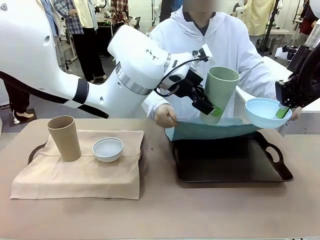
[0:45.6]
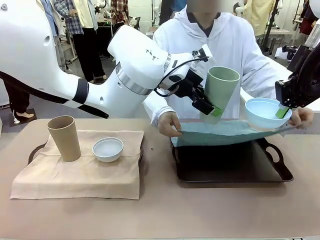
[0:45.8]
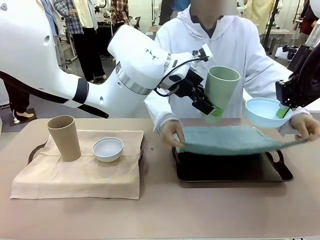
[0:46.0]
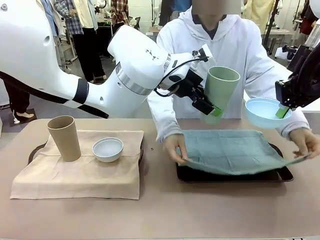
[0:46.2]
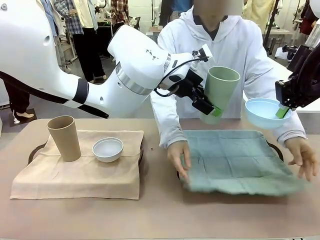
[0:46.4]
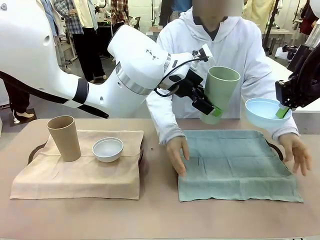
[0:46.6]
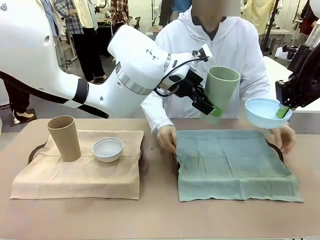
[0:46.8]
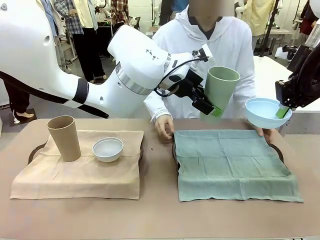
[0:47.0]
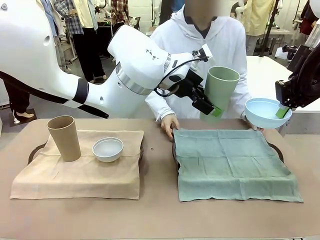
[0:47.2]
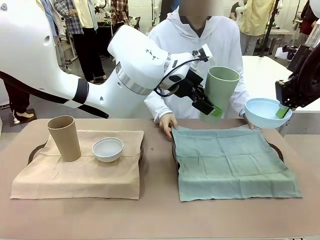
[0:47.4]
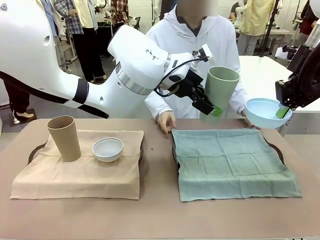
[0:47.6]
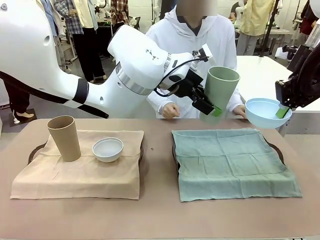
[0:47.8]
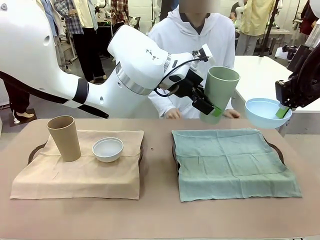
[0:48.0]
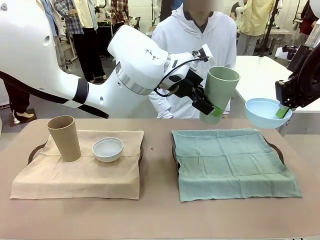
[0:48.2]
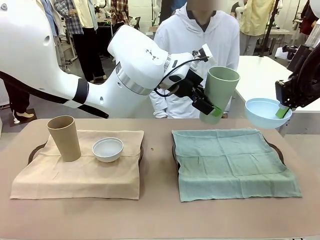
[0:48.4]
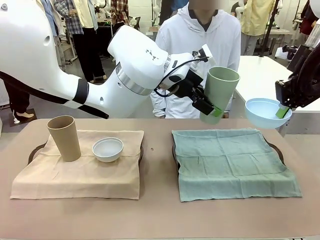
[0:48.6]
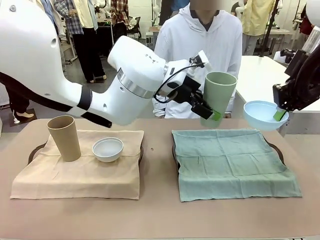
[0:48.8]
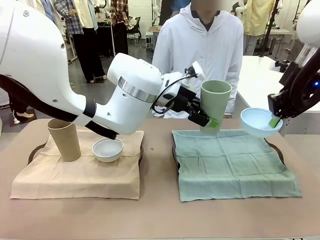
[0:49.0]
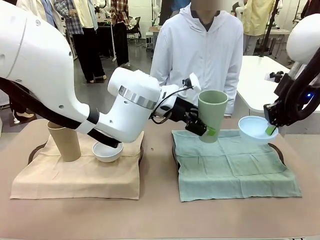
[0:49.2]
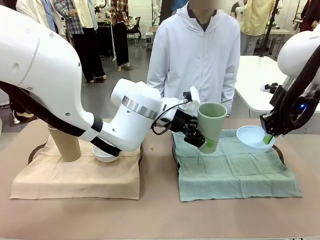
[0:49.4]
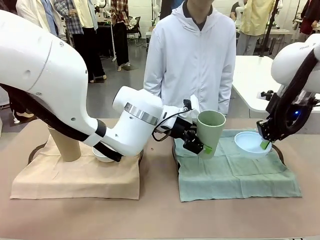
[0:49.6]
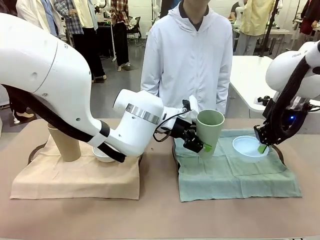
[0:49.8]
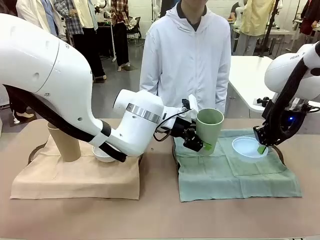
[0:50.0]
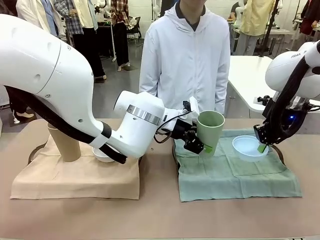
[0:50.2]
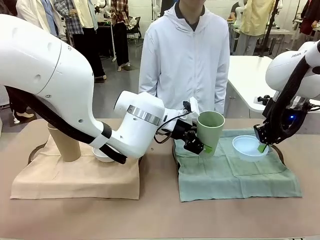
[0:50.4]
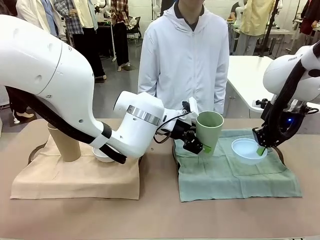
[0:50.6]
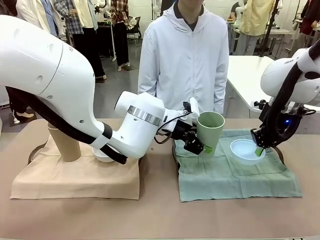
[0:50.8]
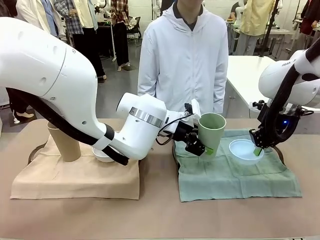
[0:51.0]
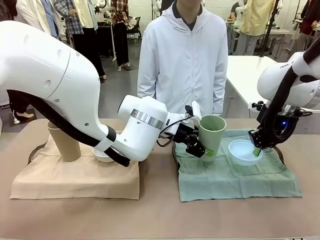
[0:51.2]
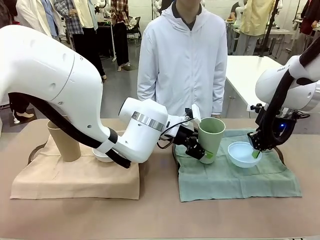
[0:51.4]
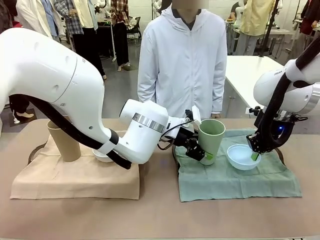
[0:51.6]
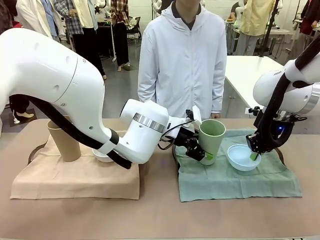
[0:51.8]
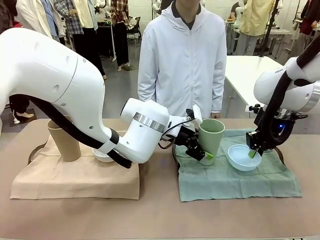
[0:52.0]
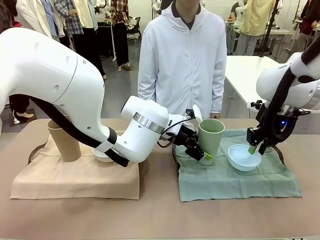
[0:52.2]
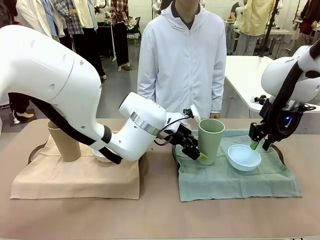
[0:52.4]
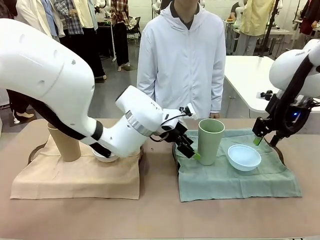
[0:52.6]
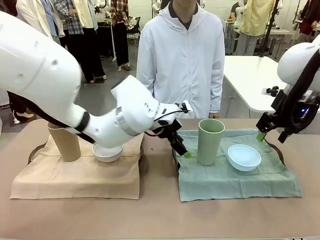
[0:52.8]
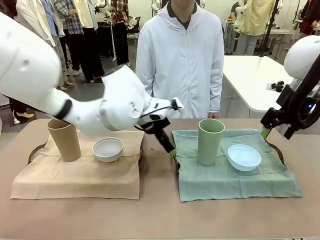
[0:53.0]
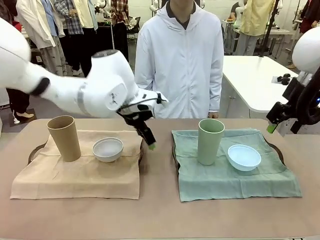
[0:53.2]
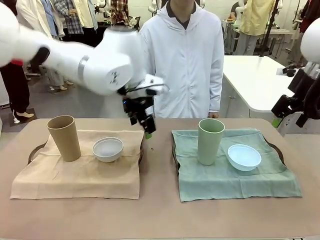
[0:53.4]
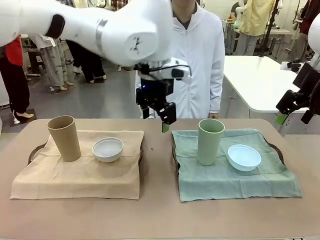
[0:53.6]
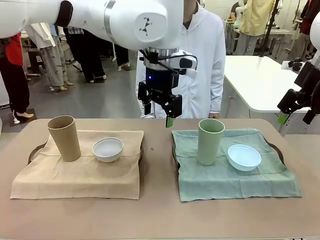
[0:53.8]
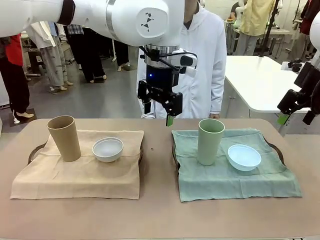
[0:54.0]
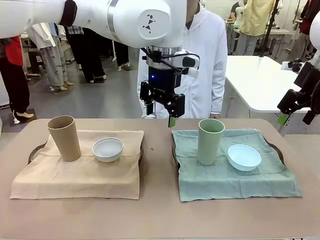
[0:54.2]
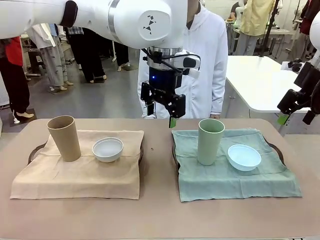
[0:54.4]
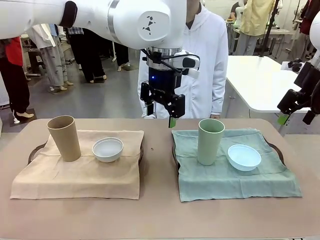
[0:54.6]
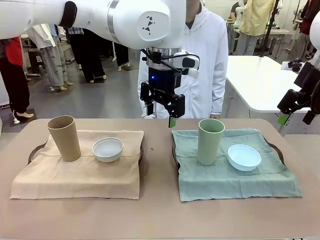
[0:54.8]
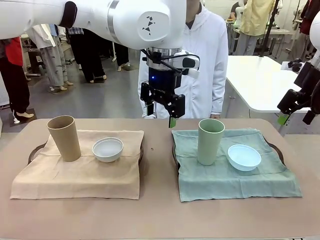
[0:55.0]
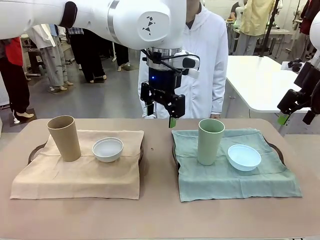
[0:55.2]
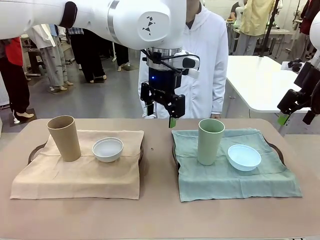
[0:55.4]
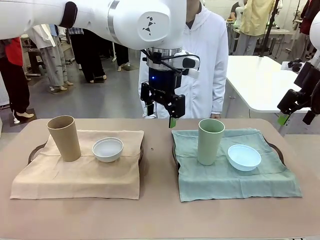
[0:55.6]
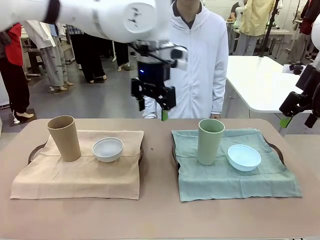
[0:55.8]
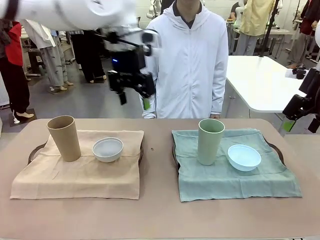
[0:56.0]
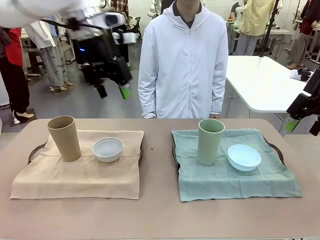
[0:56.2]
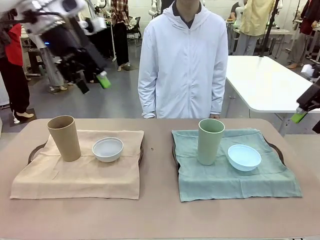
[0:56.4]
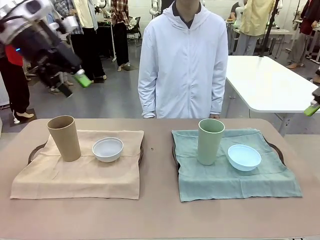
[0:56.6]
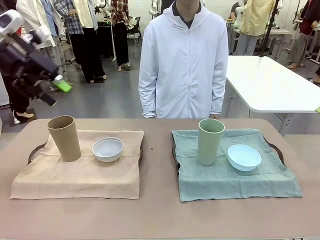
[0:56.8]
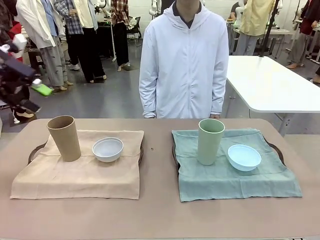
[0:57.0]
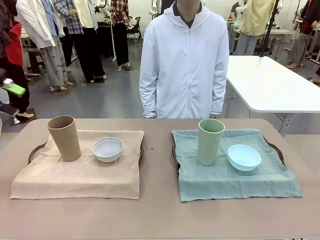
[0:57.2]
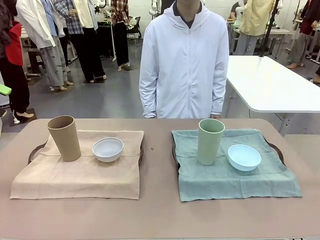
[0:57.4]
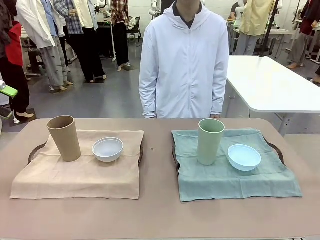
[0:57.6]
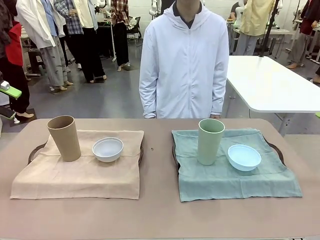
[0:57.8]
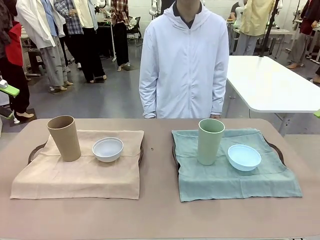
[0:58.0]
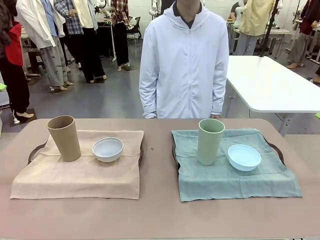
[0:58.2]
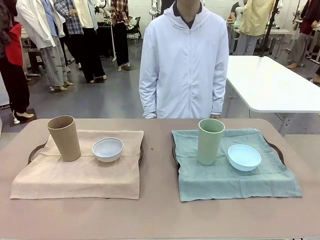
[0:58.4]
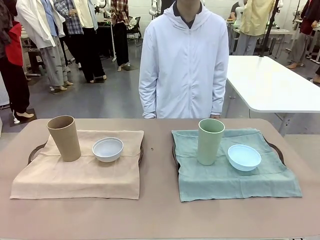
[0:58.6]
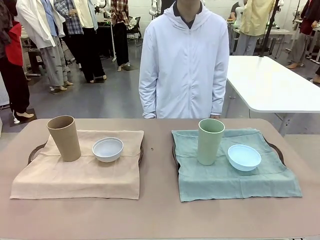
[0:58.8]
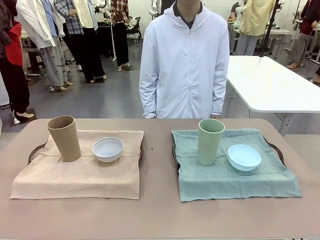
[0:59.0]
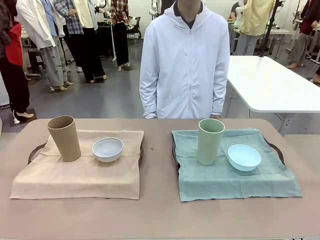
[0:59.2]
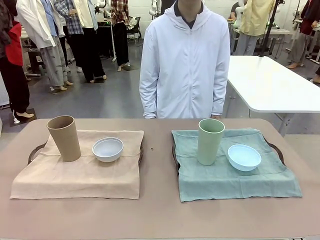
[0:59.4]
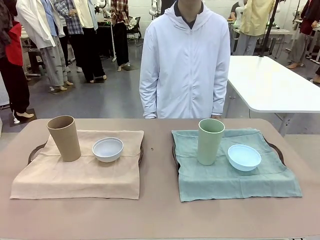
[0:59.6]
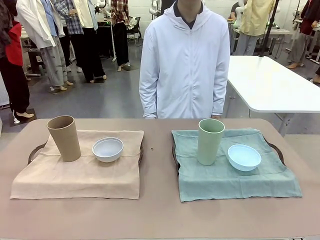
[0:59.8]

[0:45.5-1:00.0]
Robot: Place the Picnic Bowl and Reusable plastic cup back onto the Handle tray in front of the human's position.
Person: When the robot lifts the bowl and the cup, the human unfolds the napkin and lays the napkin flat on the tray.

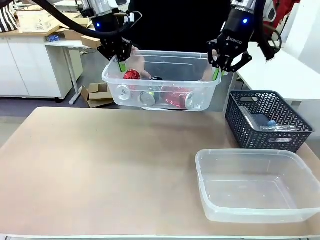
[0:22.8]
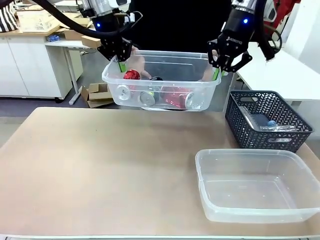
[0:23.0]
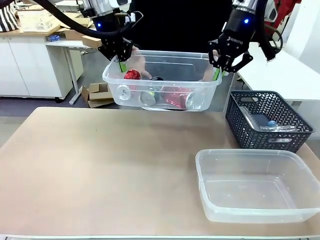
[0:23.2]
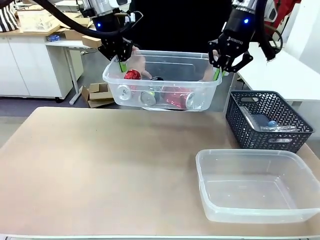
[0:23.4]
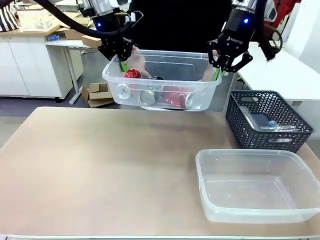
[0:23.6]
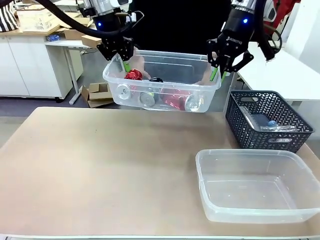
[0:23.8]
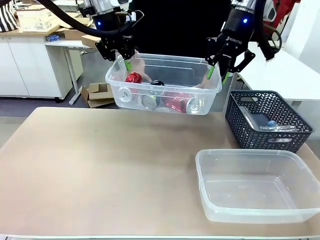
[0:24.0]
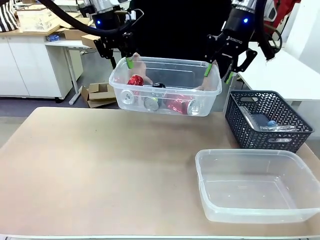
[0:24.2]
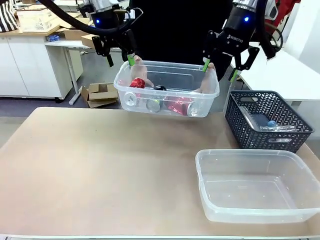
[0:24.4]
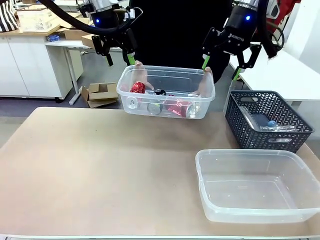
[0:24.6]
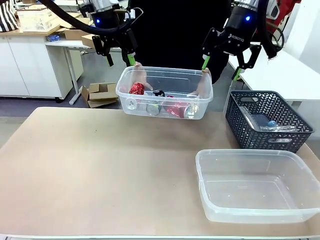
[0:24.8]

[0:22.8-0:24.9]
Robot: Release the Organizing box you were holding.
